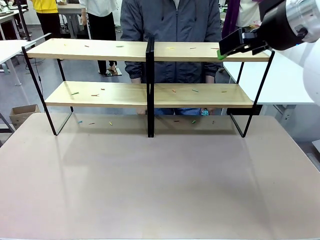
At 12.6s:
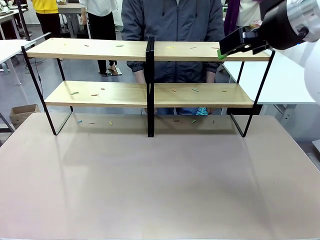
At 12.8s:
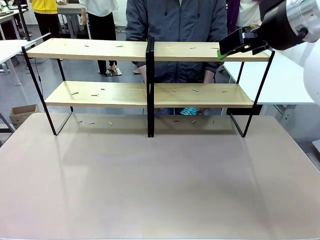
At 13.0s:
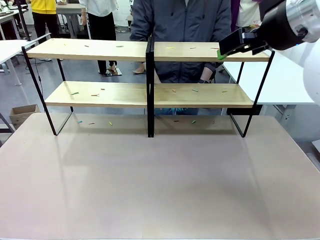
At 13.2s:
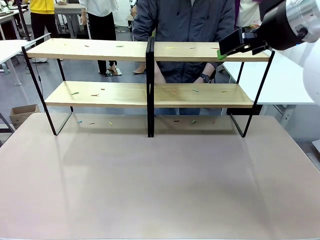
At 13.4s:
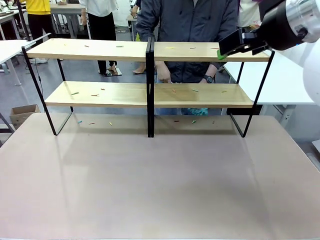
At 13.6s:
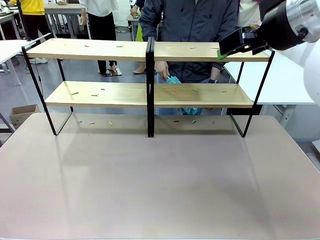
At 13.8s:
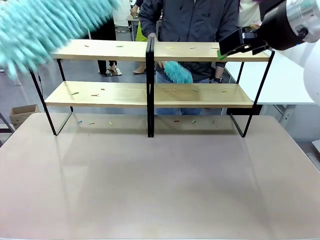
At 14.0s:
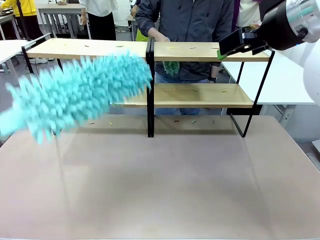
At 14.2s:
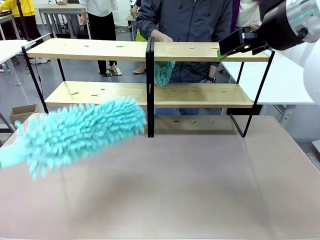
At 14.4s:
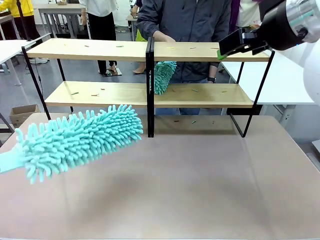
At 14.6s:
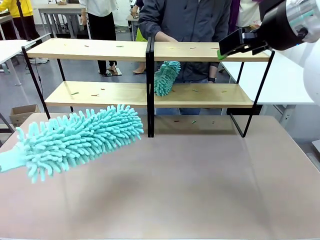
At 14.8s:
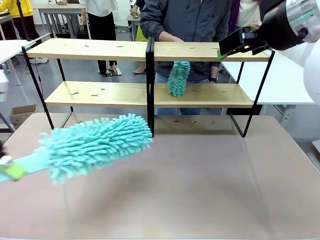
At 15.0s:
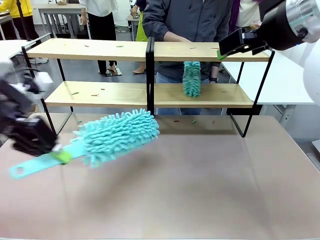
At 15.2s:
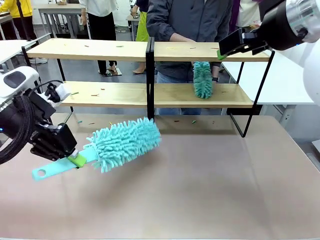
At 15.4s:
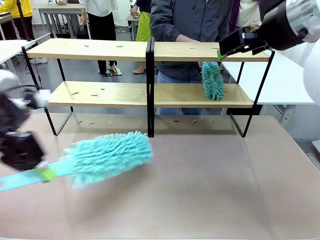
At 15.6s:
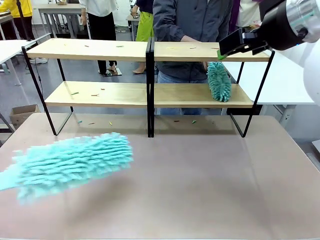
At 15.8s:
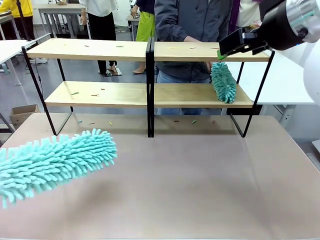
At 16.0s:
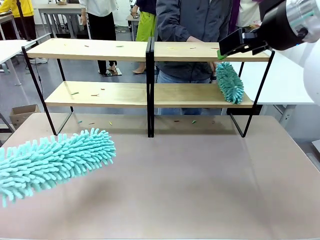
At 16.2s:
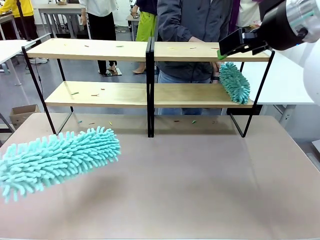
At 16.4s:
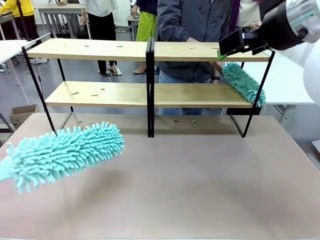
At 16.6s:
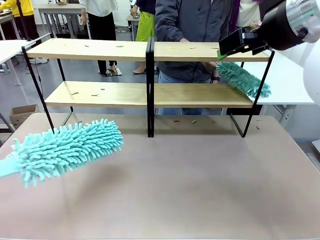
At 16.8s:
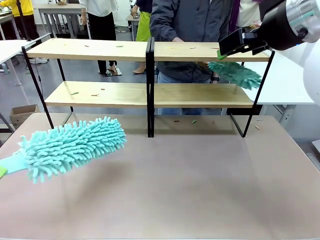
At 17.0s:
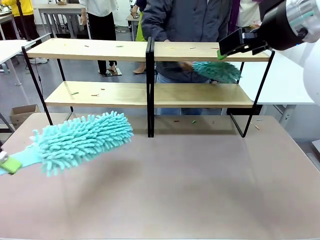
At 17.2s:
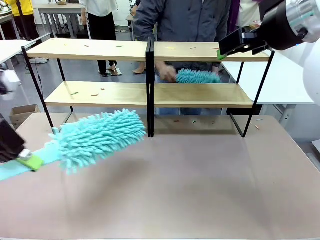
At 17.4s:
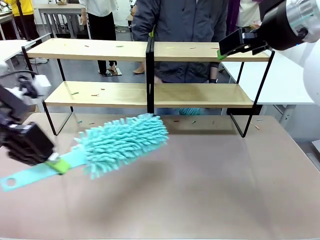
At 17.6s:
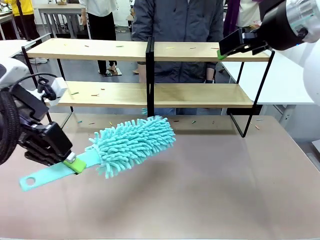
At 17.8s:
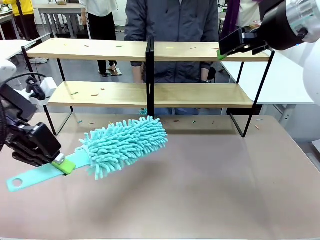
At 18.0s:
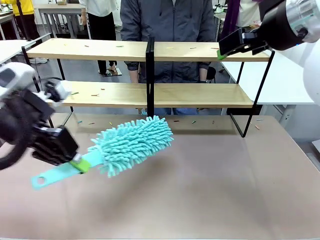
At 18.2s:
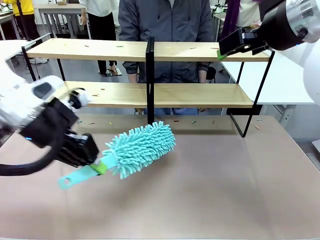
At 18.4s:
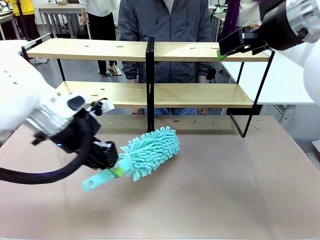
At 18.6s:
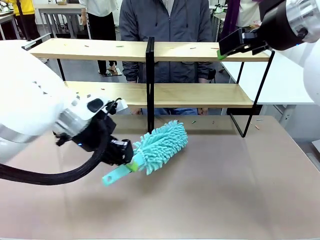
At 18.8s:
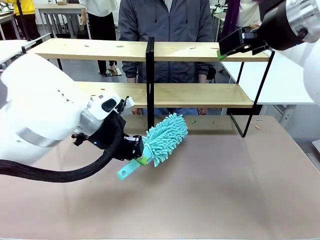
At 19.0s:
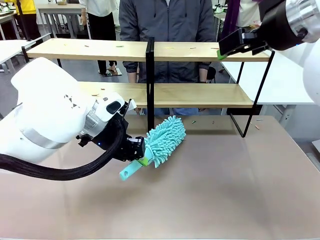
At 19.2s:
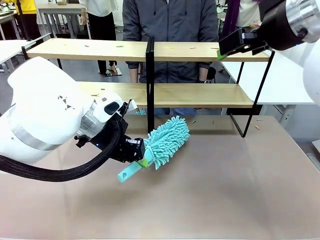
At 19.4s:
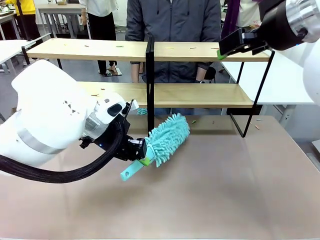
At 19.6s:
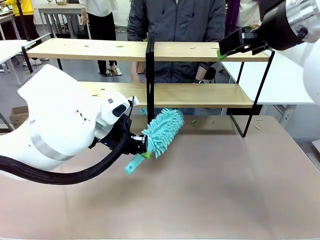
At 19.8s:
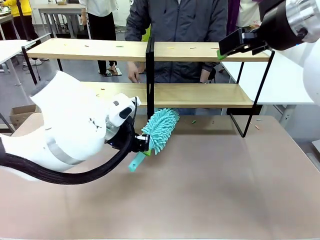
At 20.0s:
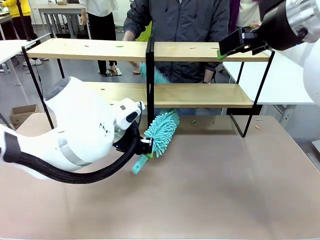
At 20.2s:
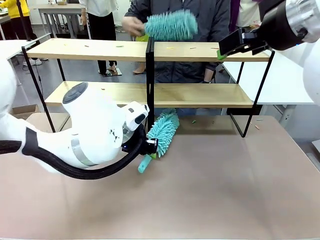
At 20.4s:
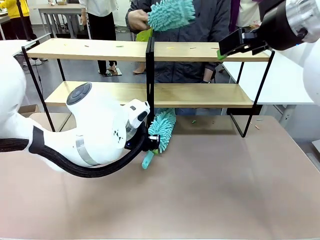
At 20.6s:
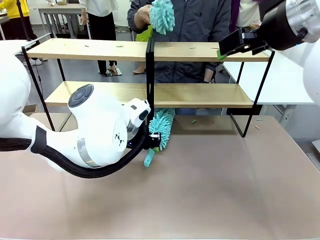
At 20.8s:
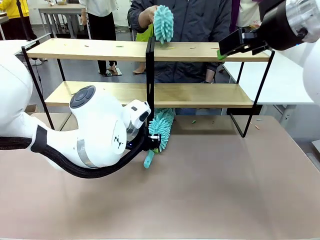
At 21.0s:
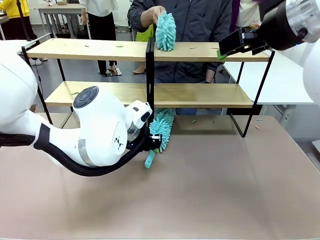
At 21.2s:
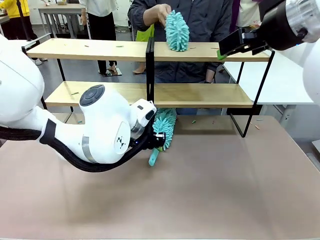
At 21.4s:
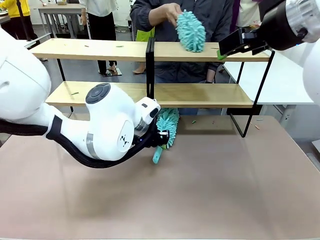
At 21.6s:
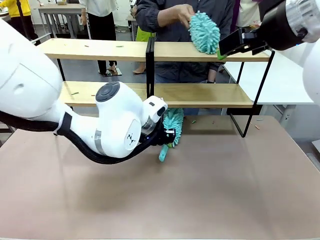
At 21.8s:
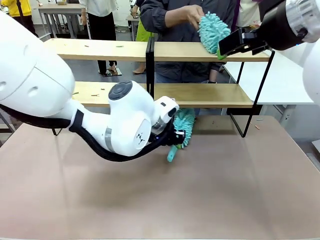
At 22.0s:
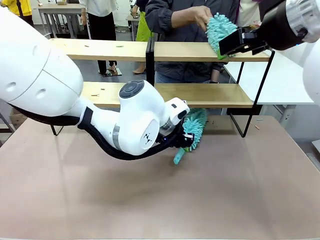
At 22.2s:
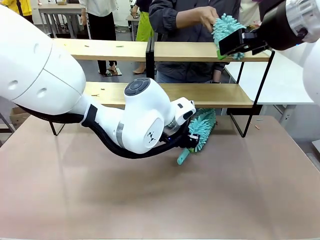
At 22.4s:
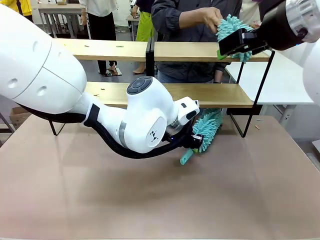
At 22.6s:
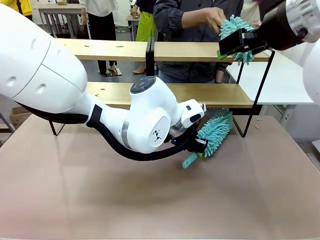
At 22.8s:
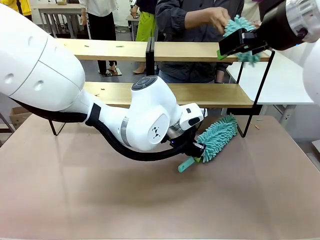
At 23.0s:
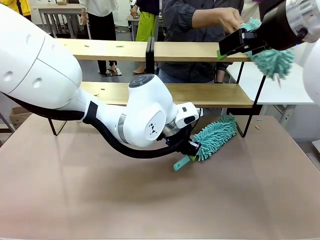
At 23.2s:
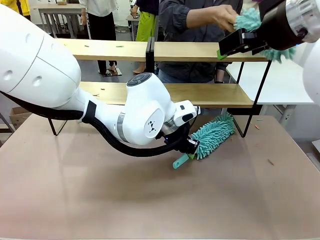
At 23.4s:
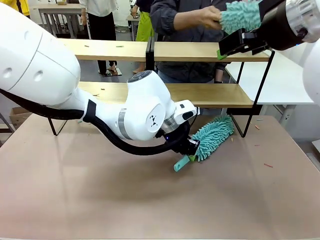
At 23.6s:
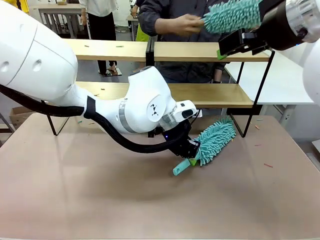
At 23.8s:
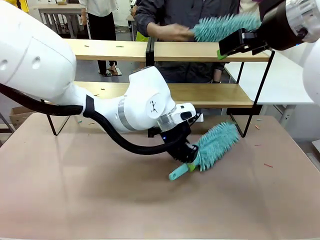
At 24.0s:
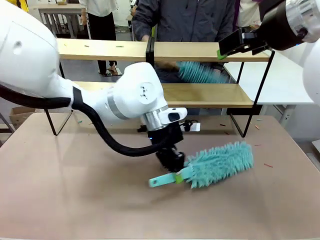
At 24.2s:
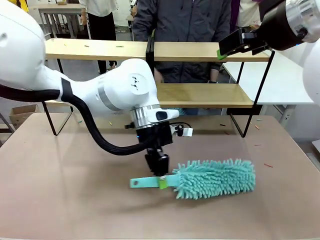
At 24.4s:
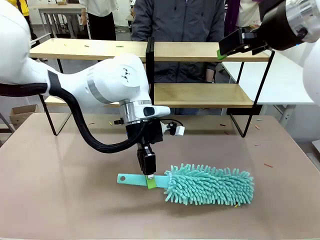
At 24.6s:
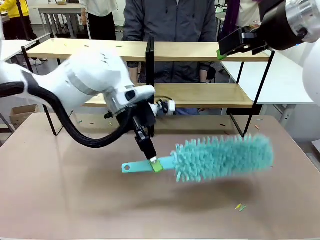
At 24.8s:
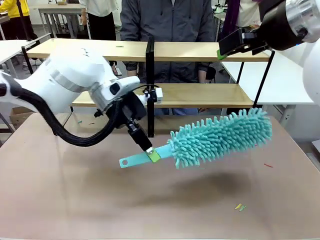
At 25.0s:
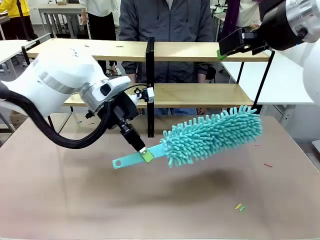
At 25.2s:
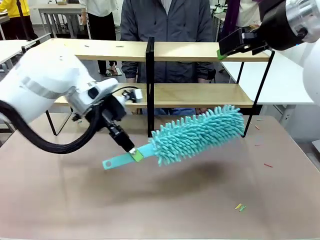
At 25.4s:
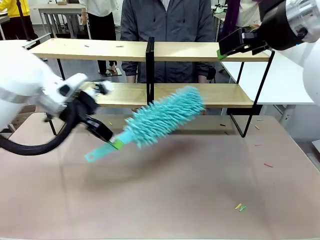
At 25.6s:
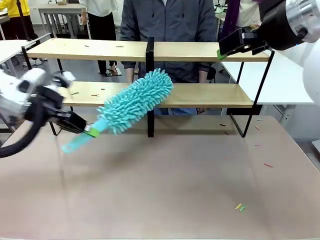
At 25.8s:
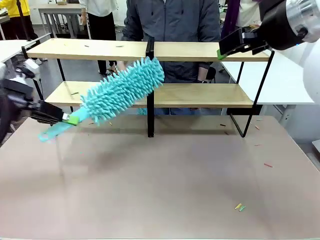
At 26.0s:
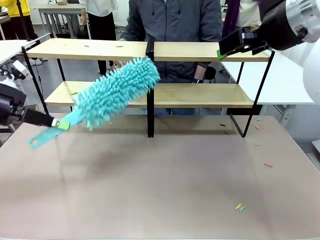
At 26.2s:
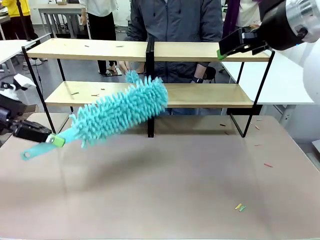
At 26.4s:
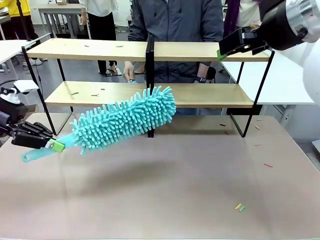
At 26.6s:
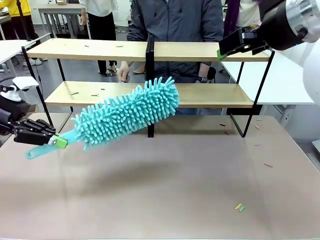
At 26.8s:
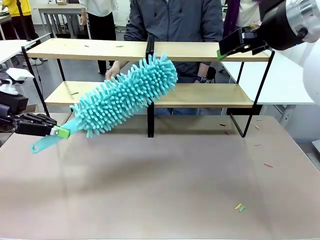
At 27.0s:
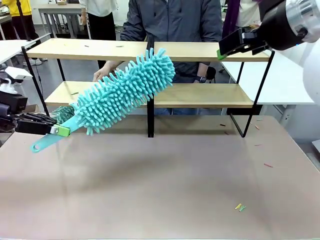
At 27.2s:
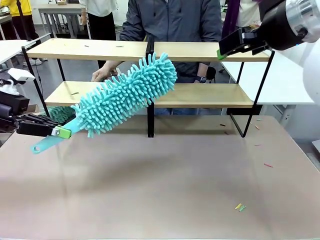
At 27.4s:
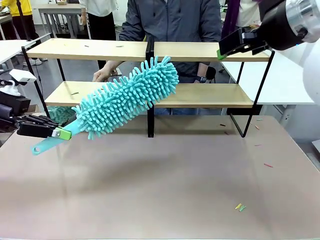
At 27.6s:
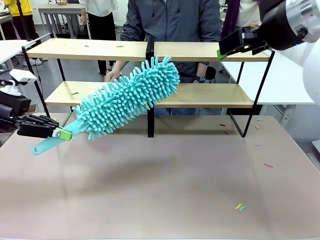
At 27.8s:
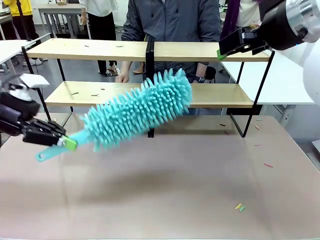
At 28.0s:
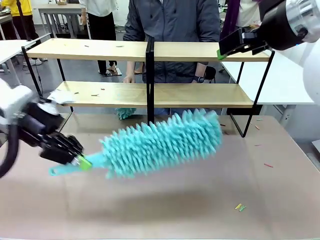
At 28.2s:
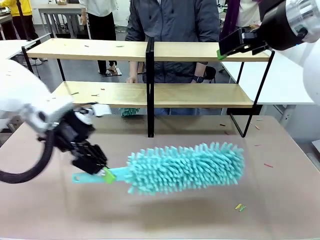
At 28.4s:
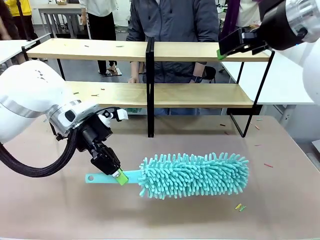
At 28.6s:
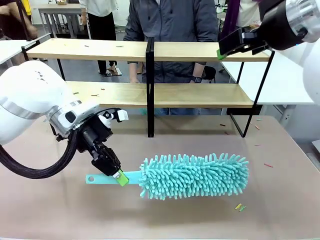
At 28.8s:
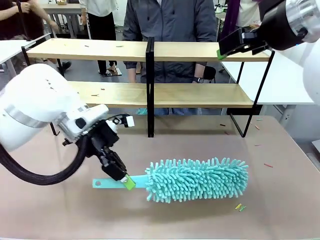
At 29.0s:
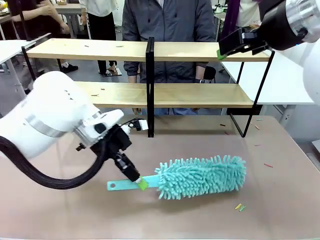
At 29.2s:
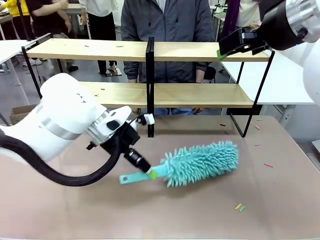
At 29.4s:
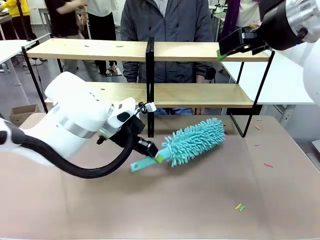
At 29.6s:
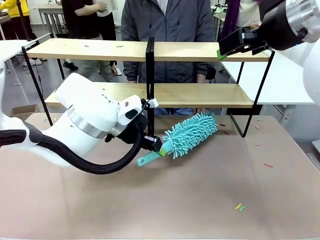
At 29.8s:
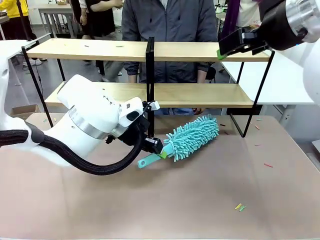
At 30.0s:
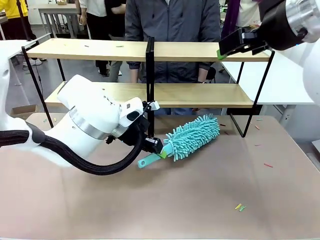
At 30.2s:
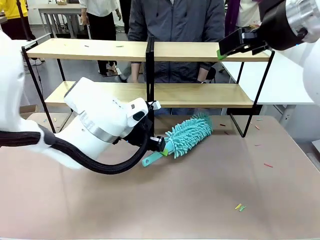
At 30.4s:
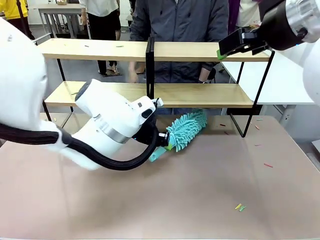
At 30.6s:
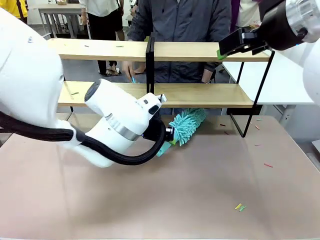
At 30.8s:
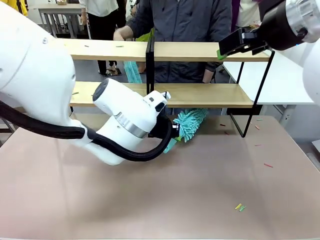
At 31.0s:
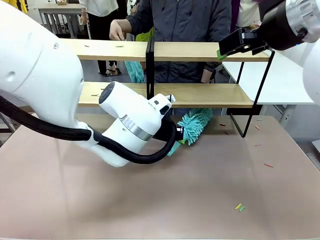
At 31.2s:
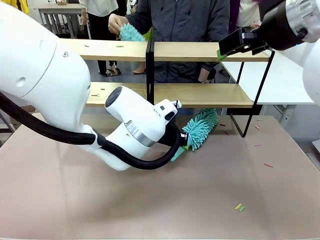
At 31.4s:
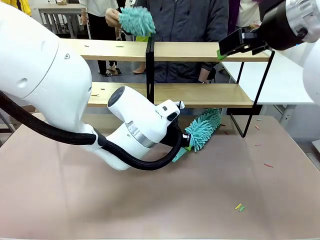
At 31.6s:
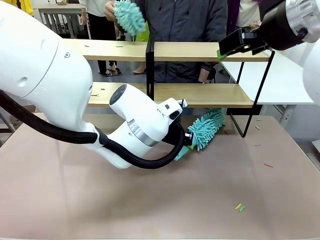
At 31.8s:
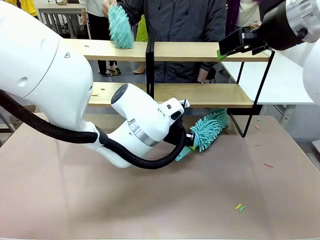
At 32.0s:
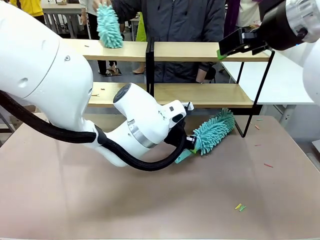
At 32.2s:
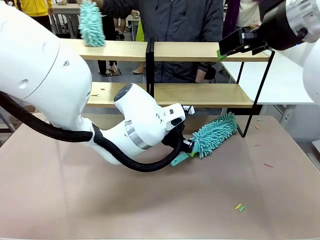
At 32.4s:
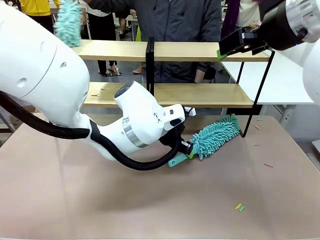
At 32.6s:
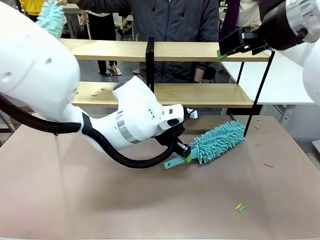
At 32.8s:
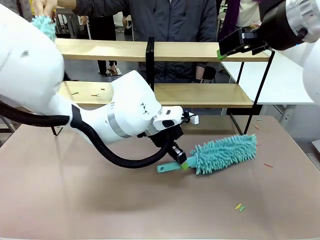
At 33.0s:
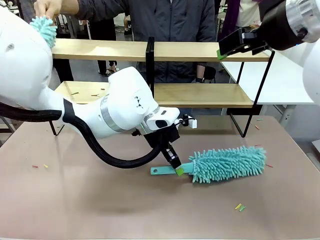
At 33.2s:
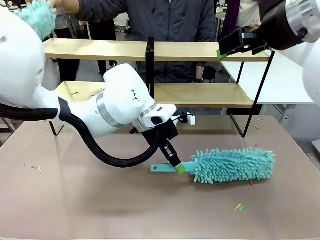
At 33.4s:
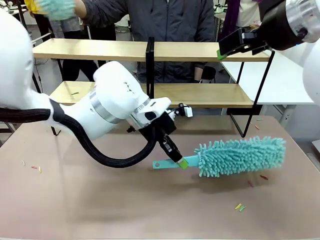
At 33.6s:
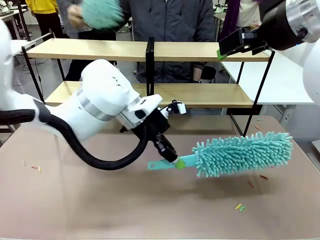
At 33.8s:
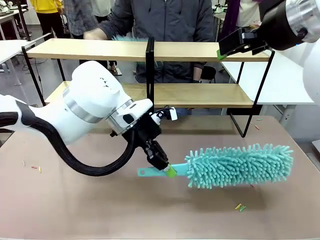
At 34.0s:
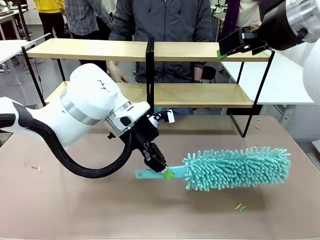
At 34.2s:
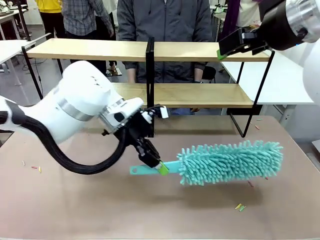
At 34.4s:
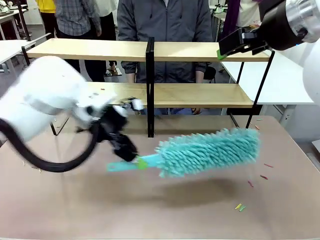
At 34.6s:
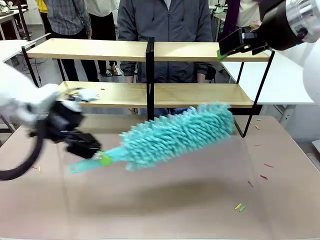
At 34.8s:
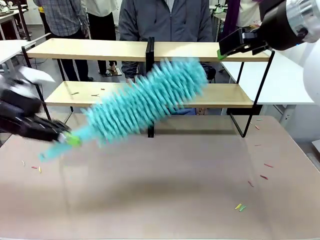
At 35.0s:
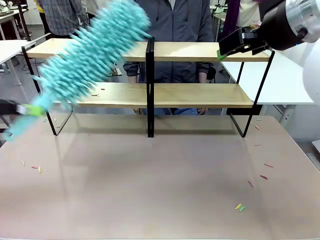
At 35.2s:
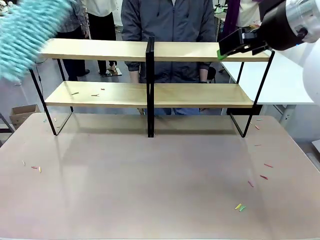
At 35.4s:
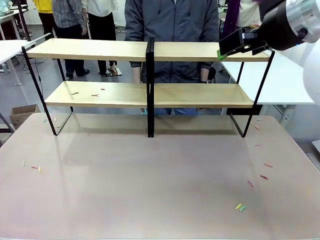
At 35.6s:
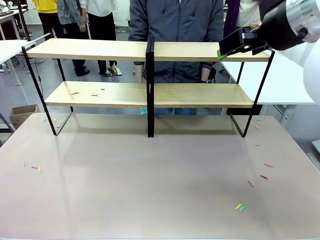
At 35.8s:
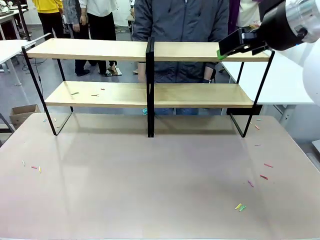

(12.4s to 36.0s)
Task: Clean the shelves.
Robot: Clean a randomly selected level of the Shelf with the Duster.
Person: Clean a randomly selected level of the Shelf with the Duster.
